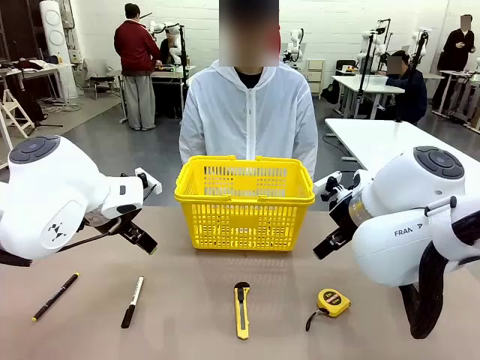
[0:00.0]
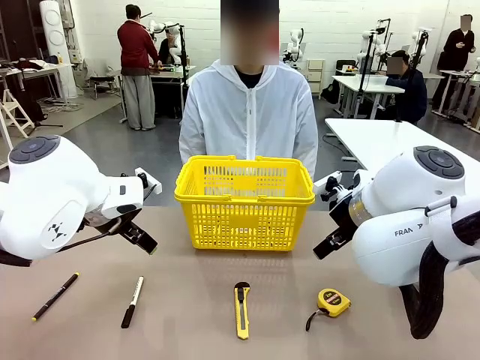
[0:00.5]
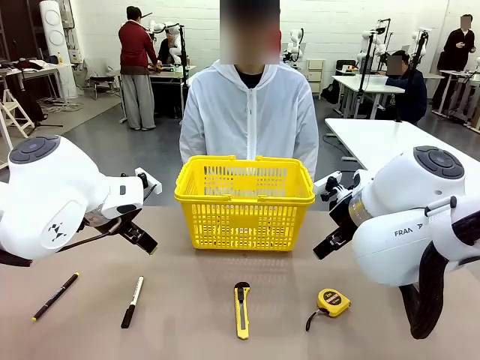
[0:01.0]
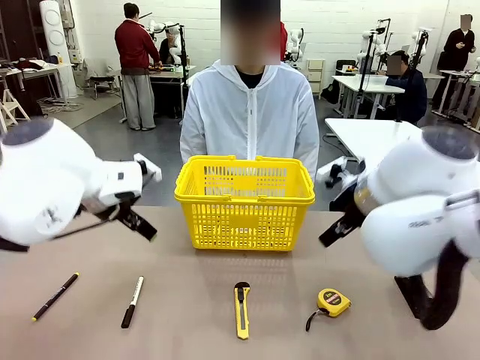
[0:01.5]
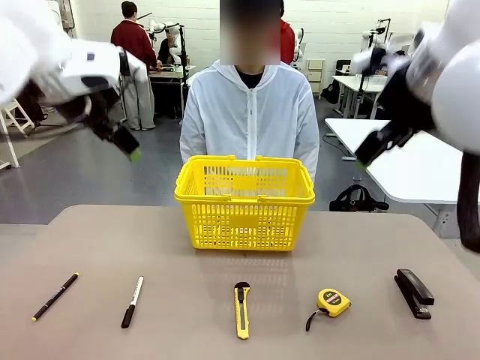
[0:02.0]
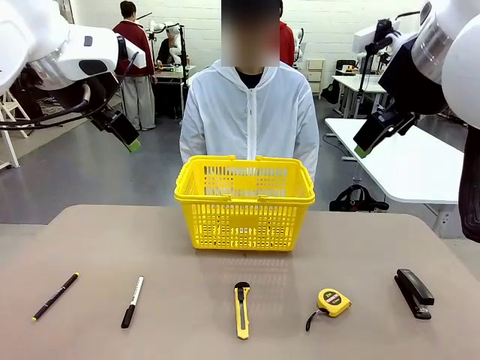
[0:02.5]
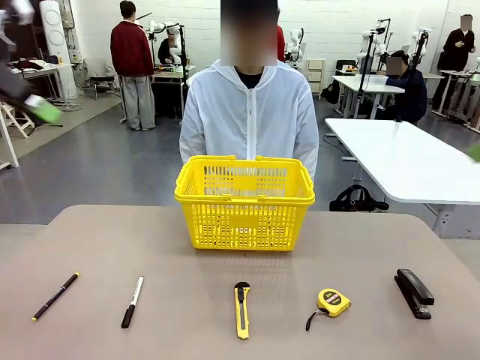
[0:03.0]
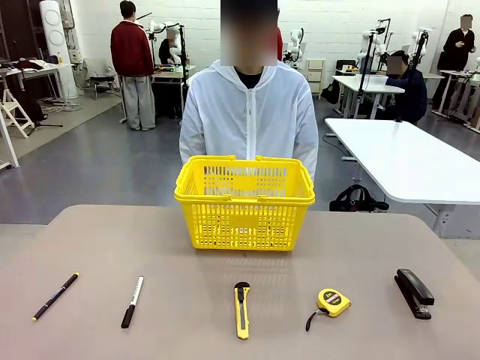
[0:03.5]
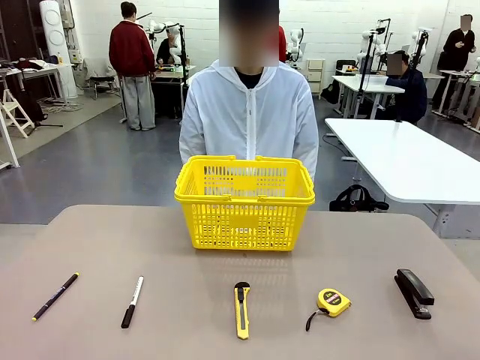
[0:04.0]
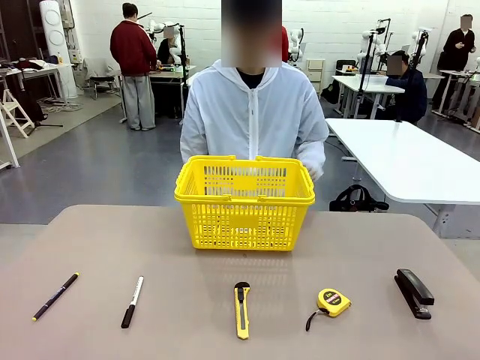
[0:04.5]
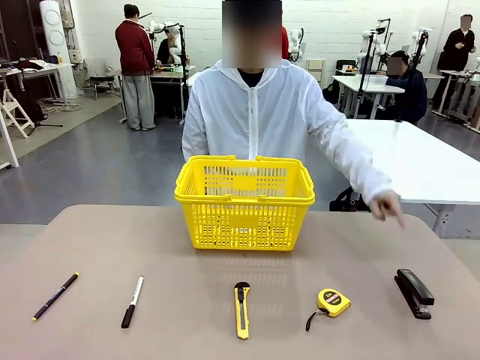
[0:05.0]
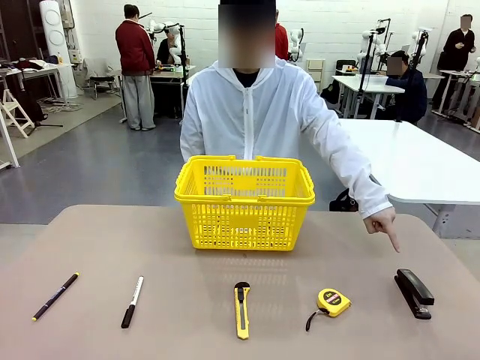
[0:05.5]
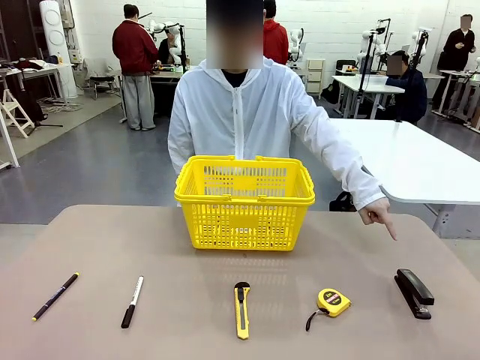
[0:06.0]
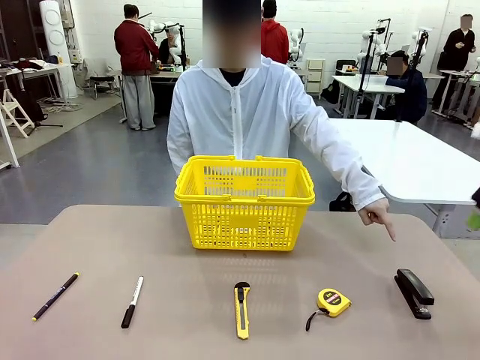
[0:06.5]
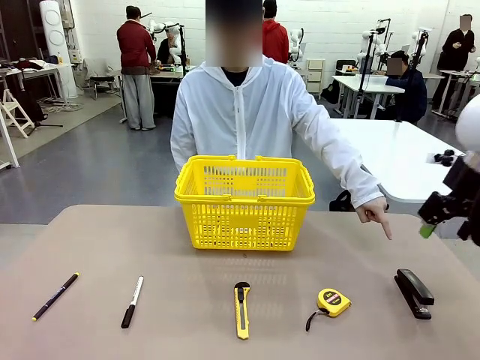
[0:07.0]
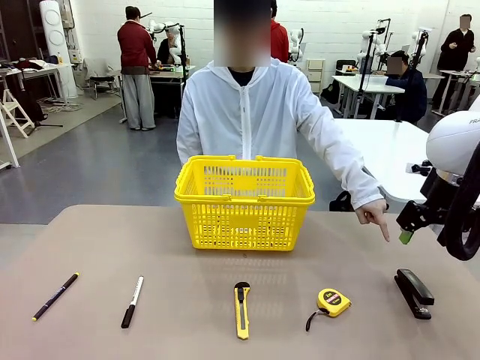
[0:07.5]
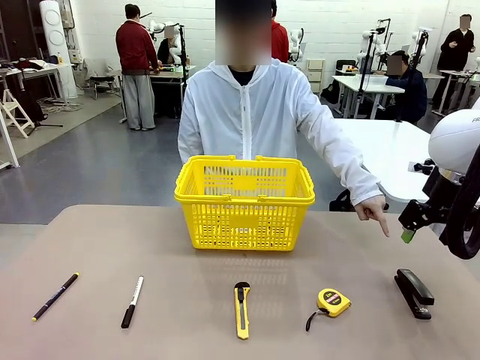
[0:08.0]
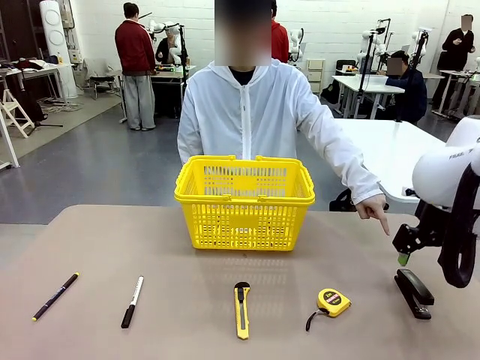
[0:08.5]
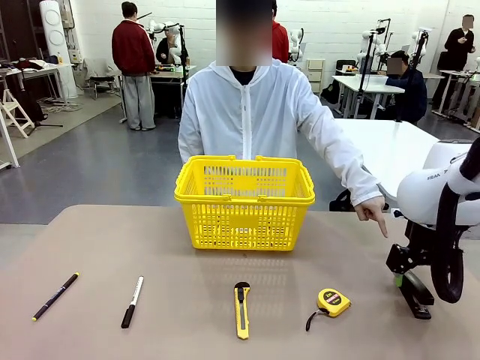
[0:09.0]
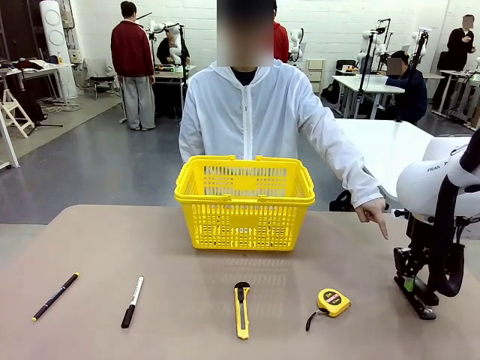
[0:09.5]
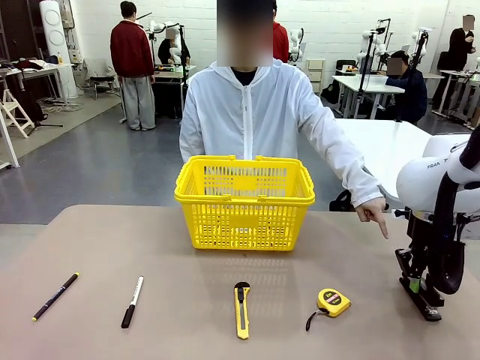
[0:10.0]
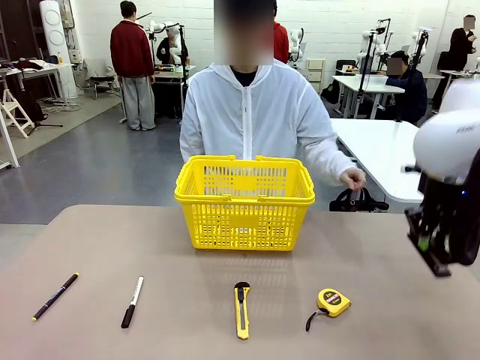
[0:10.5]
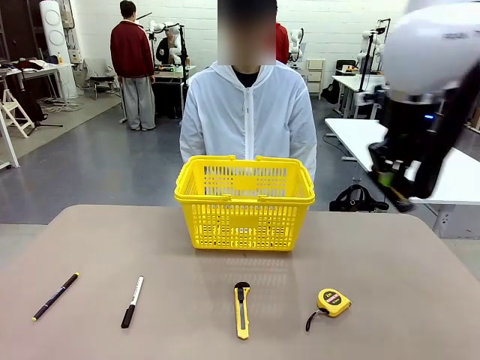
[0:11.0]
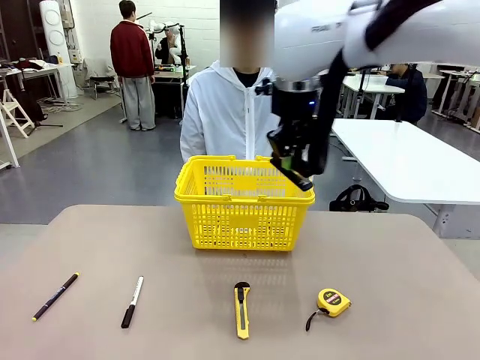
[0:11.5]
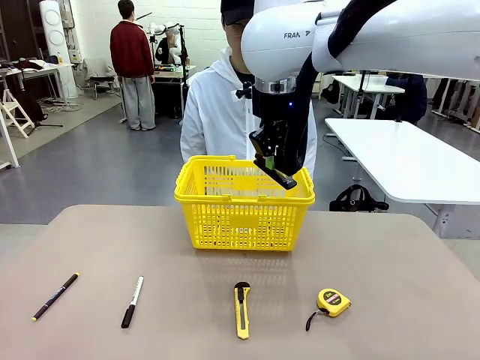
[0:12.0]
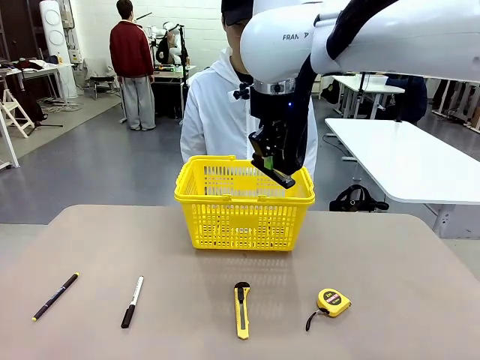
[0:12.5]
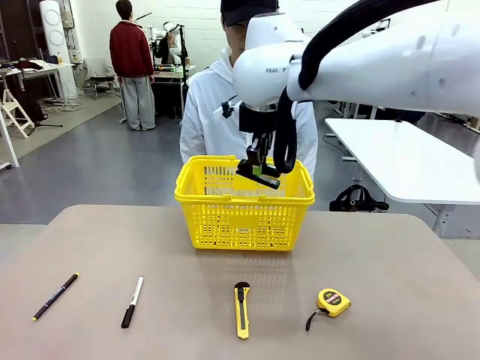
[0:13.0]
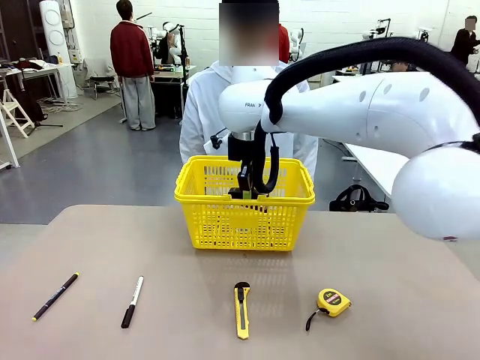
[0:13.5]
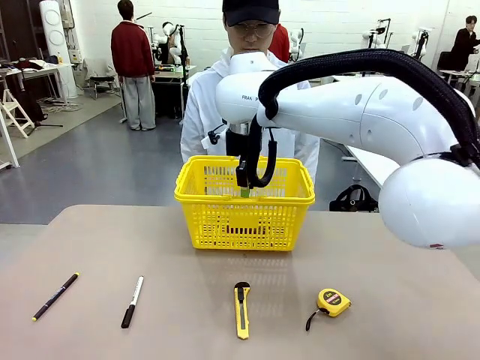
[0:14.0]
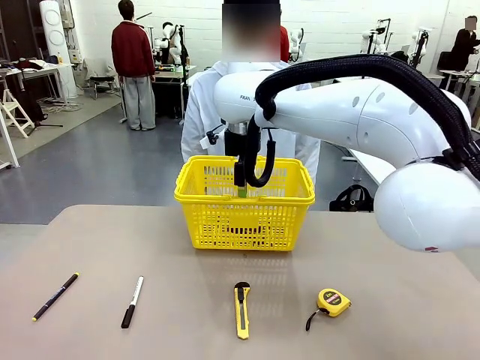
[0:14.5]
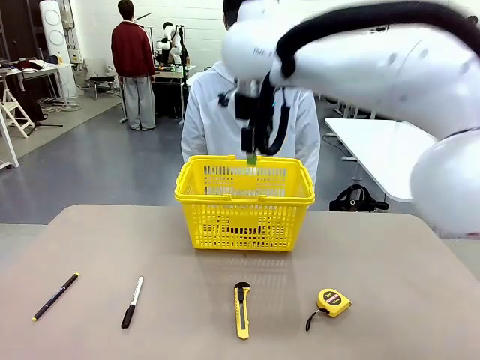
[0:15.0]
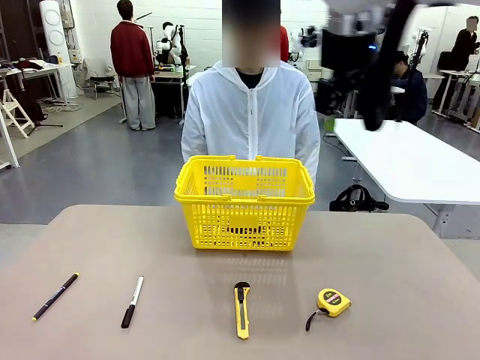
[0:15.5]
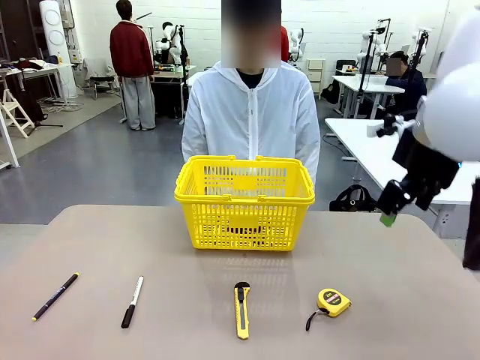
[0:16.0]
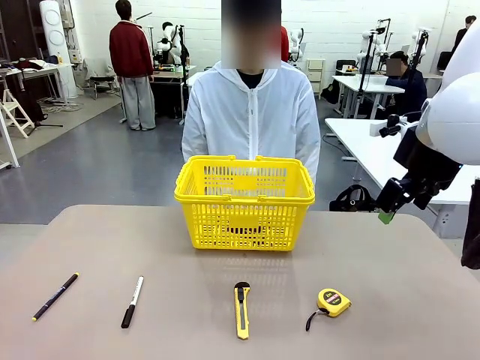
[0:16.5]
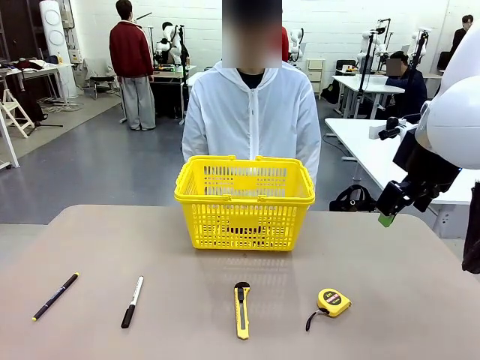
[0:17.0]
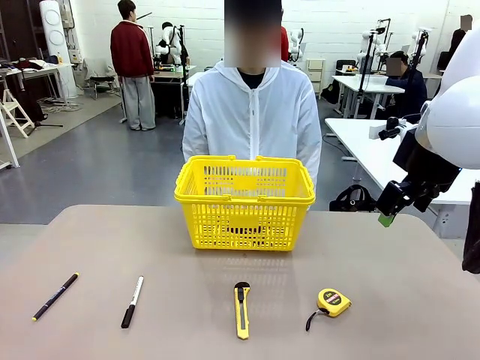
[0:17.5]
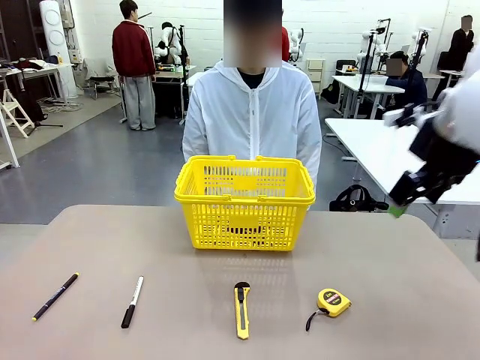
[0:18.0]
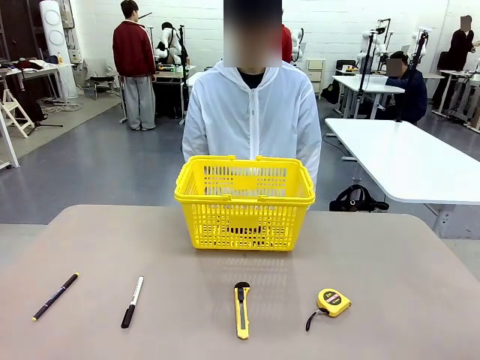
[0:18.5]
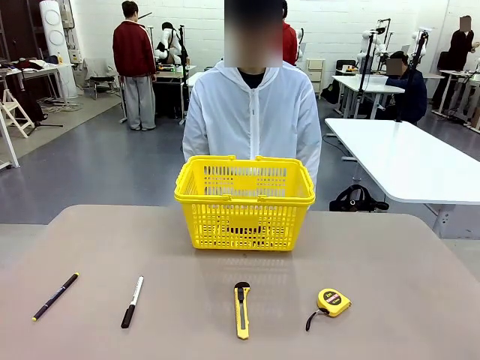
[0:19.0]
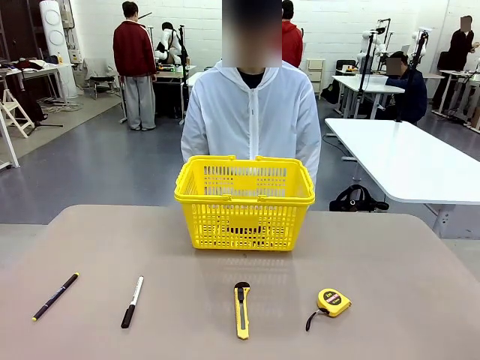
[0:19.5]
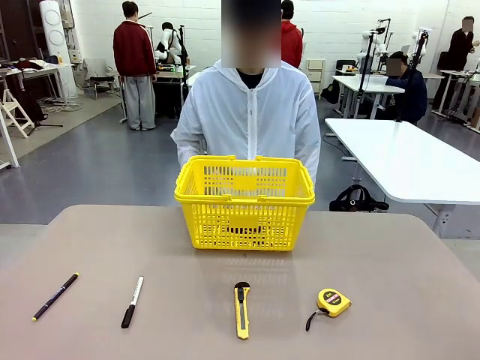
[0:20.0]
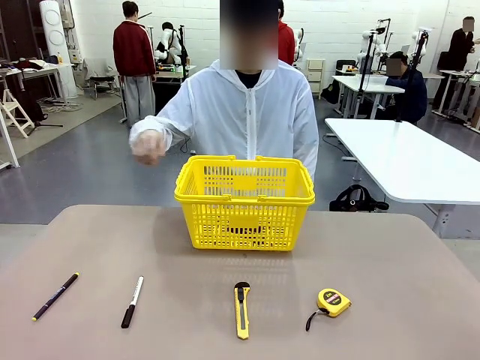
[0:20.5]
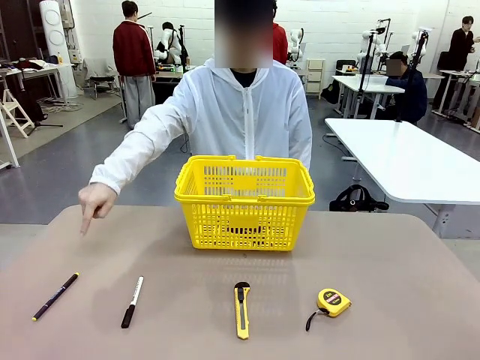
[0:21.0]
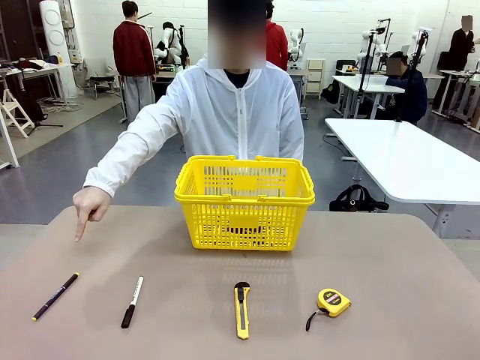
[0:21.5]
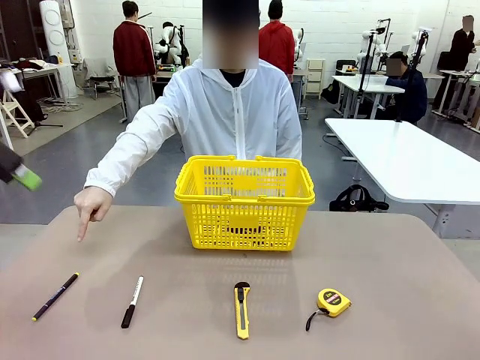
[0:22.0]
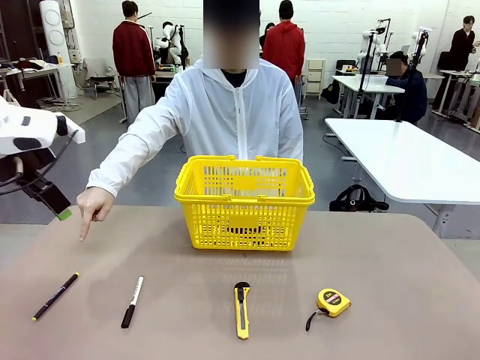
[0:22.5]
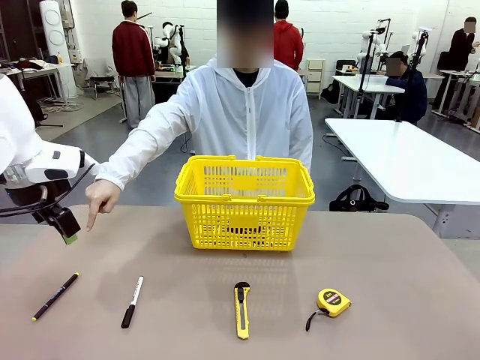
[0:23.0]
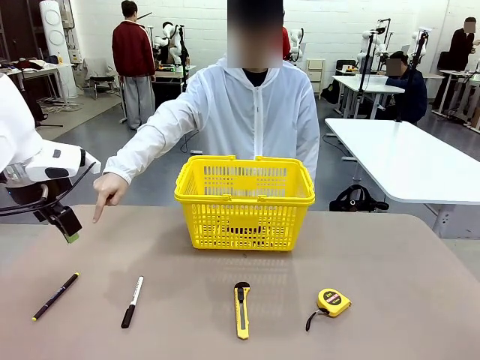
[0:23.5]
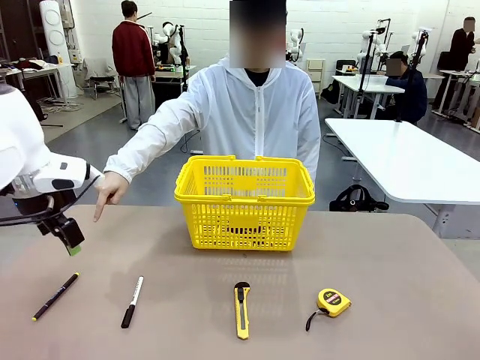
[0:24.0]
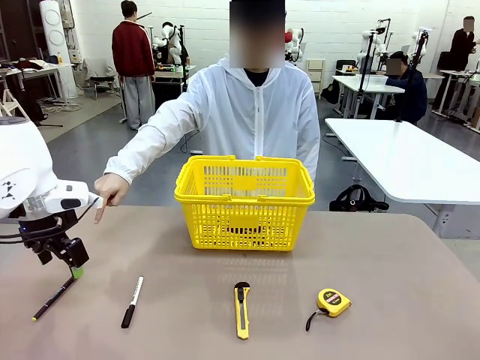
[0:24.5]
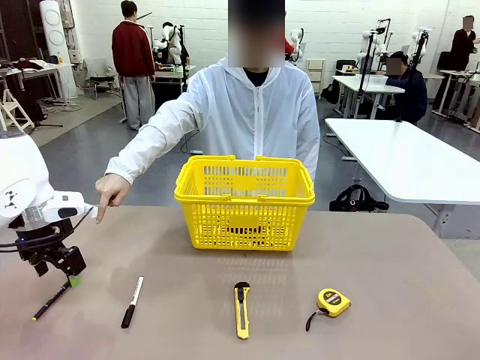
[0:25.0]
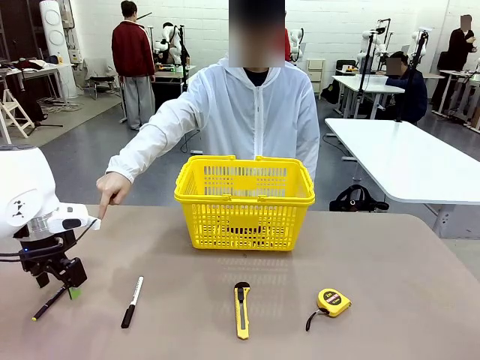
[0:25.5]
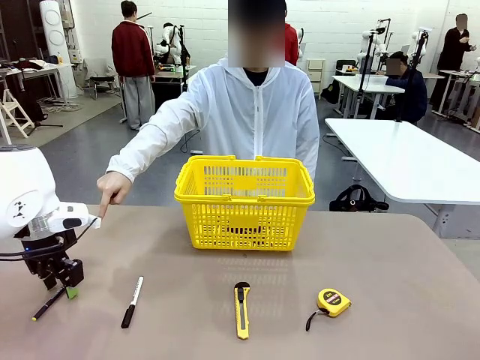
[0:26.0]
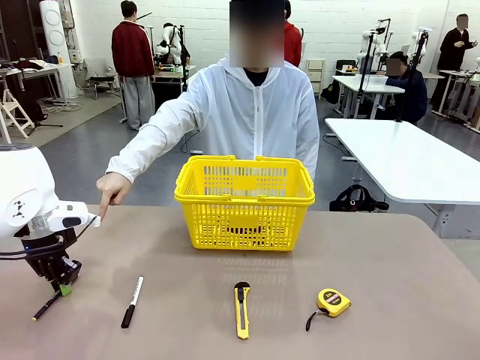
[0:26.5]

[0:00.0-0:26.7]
Task: Place the items the person wants into the basket.
Robot: Pick up the item the person points to and place it in the Market Basket.
